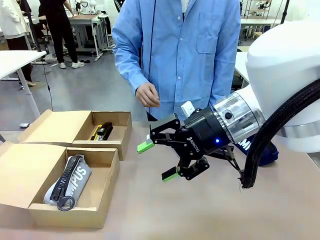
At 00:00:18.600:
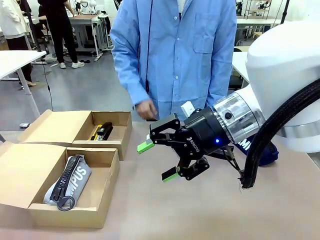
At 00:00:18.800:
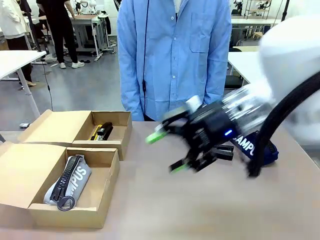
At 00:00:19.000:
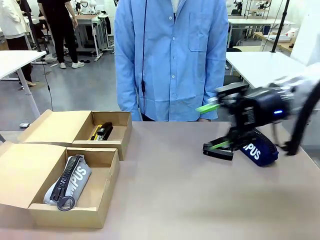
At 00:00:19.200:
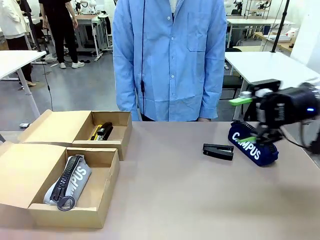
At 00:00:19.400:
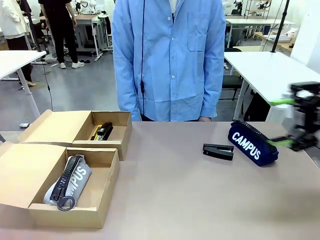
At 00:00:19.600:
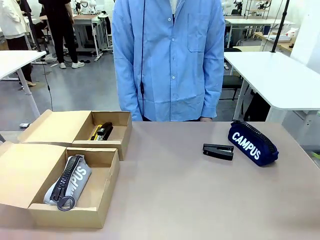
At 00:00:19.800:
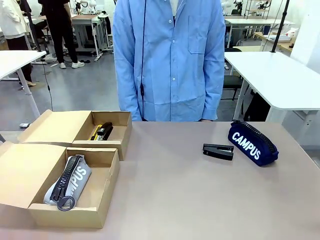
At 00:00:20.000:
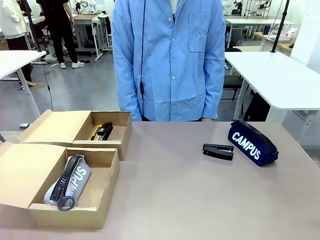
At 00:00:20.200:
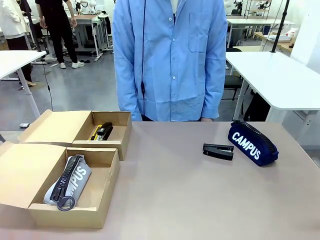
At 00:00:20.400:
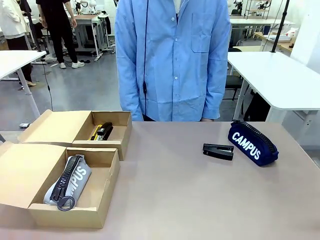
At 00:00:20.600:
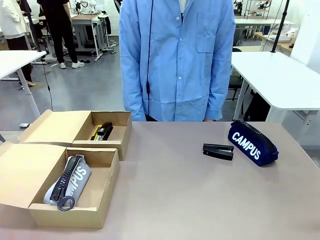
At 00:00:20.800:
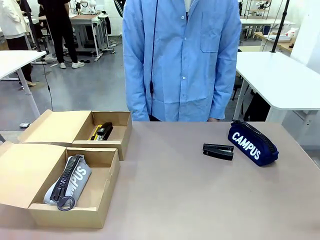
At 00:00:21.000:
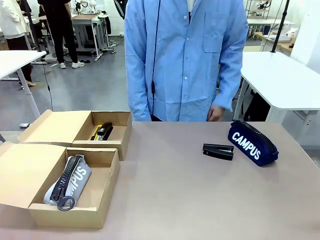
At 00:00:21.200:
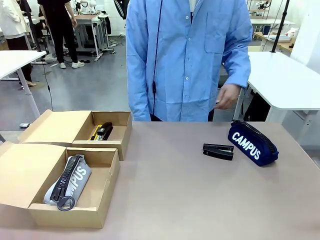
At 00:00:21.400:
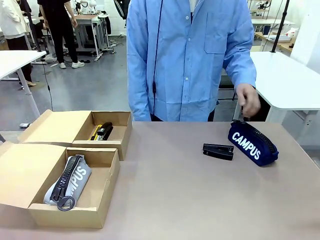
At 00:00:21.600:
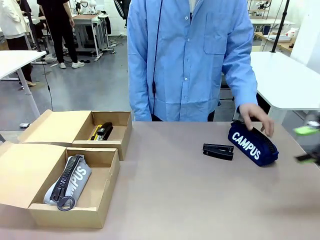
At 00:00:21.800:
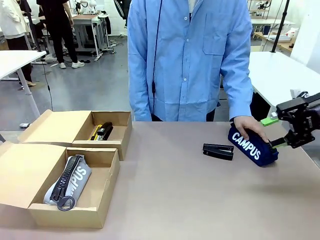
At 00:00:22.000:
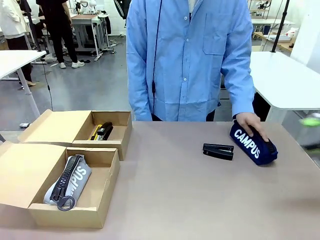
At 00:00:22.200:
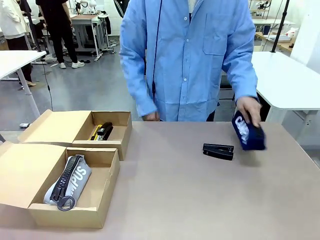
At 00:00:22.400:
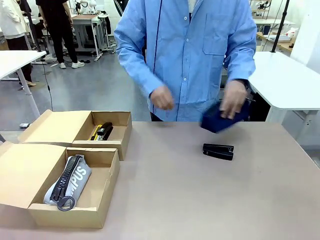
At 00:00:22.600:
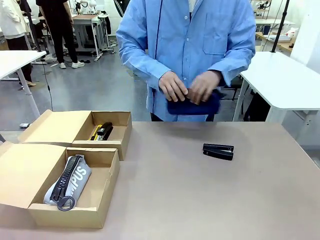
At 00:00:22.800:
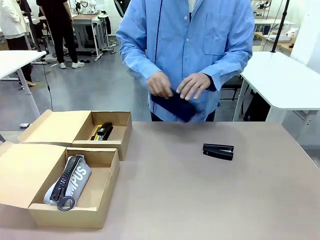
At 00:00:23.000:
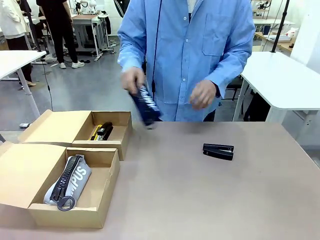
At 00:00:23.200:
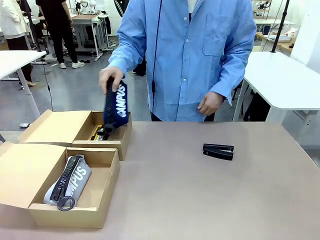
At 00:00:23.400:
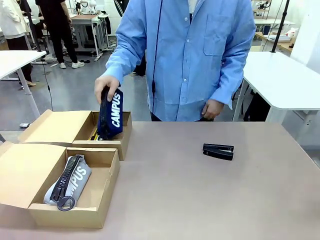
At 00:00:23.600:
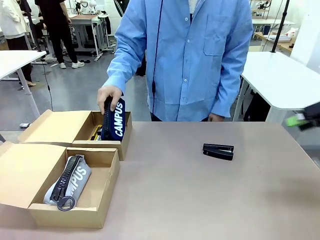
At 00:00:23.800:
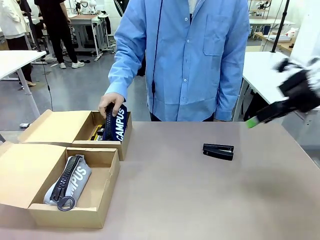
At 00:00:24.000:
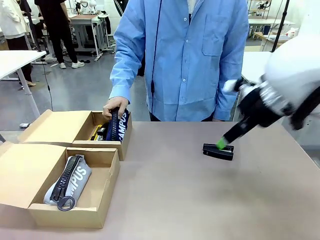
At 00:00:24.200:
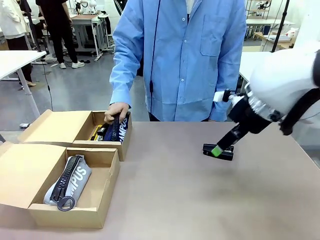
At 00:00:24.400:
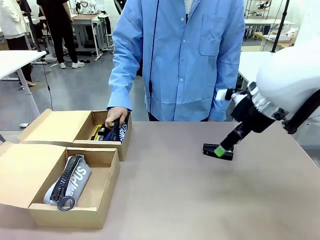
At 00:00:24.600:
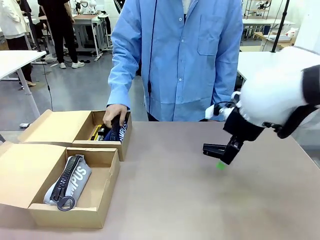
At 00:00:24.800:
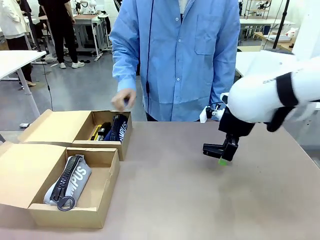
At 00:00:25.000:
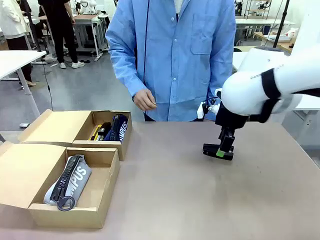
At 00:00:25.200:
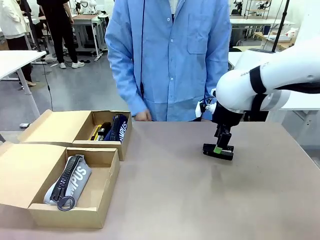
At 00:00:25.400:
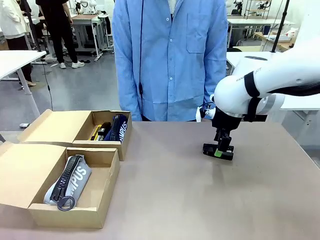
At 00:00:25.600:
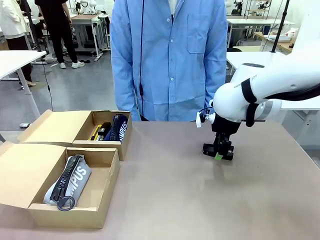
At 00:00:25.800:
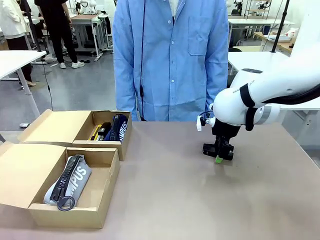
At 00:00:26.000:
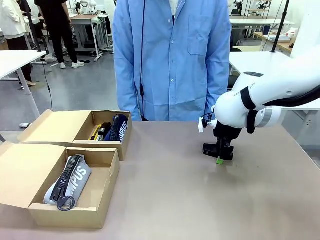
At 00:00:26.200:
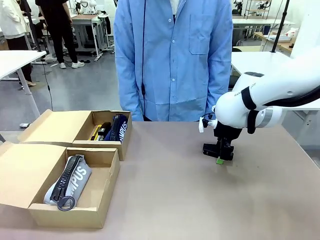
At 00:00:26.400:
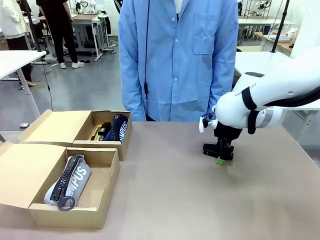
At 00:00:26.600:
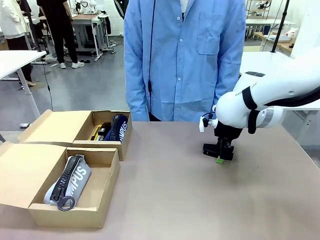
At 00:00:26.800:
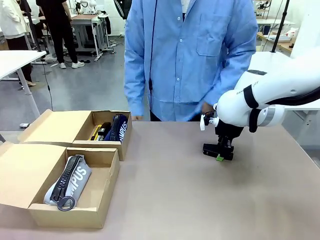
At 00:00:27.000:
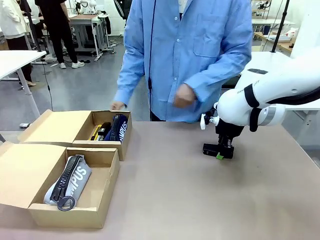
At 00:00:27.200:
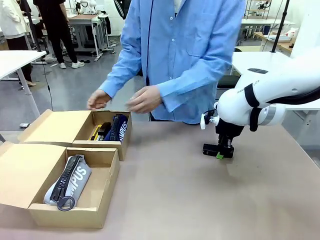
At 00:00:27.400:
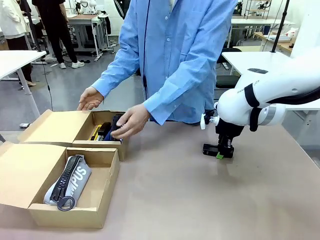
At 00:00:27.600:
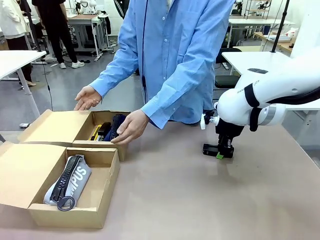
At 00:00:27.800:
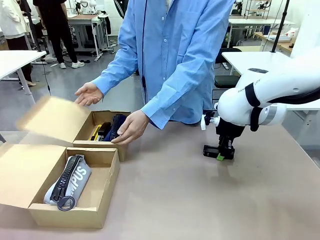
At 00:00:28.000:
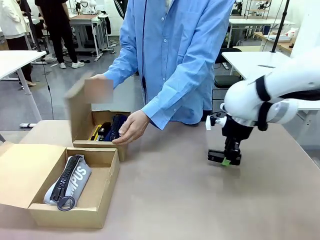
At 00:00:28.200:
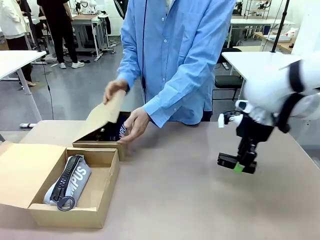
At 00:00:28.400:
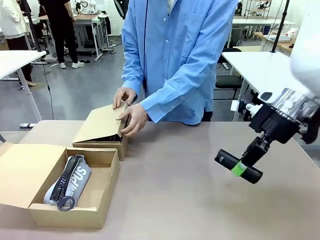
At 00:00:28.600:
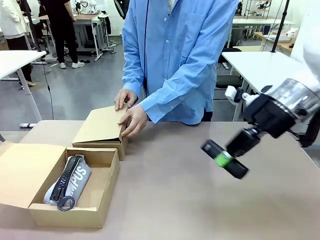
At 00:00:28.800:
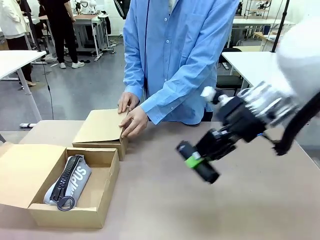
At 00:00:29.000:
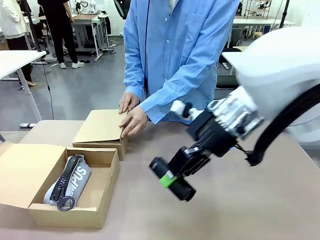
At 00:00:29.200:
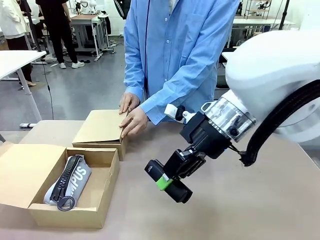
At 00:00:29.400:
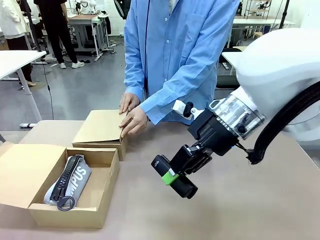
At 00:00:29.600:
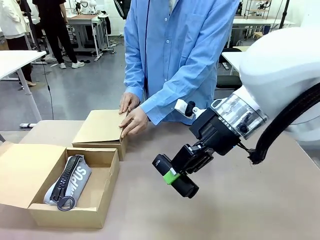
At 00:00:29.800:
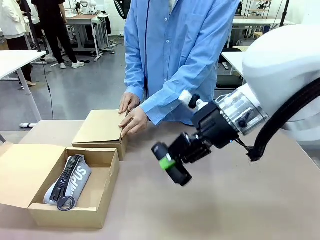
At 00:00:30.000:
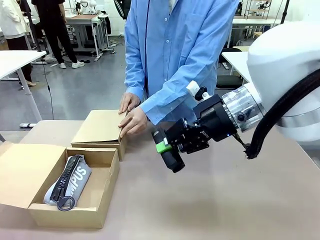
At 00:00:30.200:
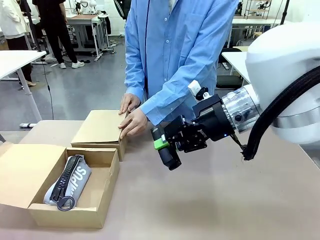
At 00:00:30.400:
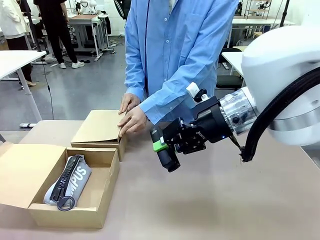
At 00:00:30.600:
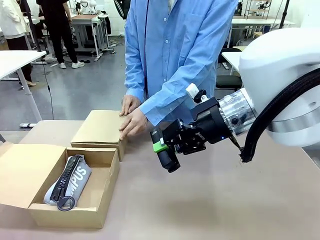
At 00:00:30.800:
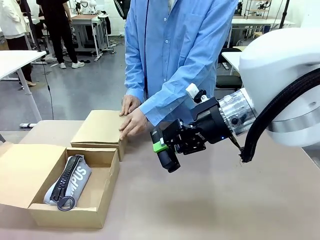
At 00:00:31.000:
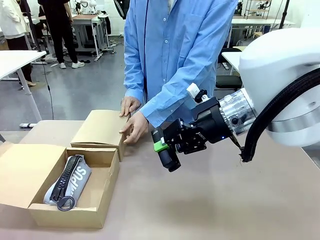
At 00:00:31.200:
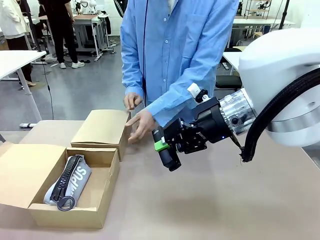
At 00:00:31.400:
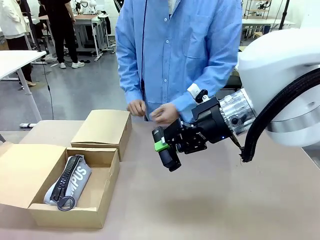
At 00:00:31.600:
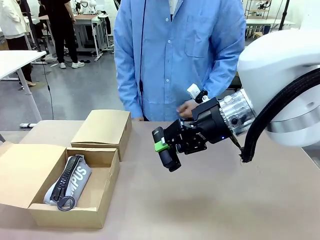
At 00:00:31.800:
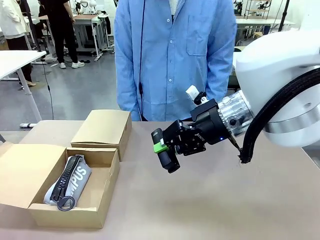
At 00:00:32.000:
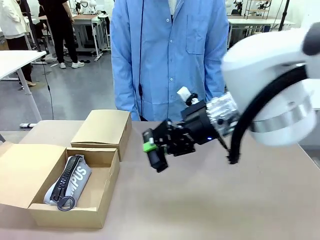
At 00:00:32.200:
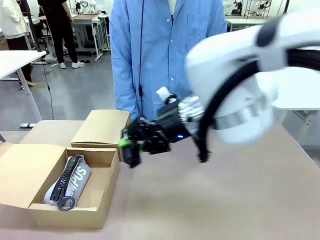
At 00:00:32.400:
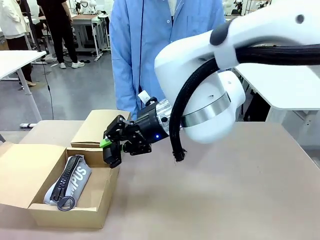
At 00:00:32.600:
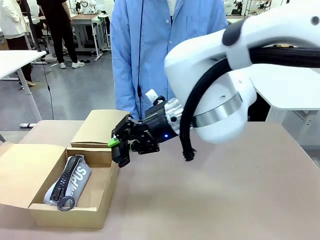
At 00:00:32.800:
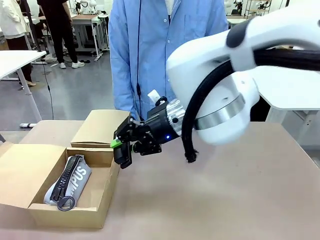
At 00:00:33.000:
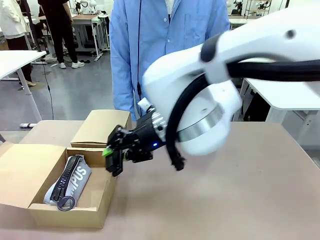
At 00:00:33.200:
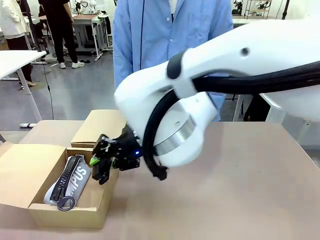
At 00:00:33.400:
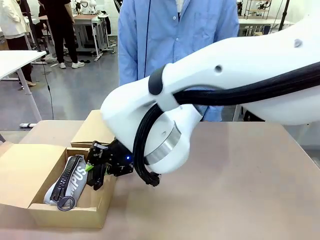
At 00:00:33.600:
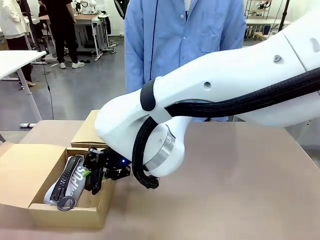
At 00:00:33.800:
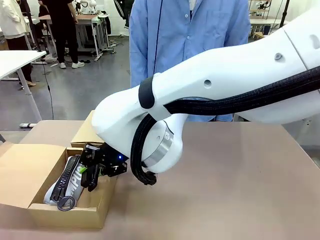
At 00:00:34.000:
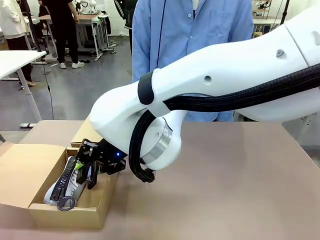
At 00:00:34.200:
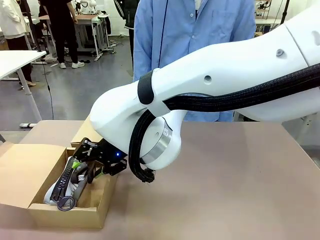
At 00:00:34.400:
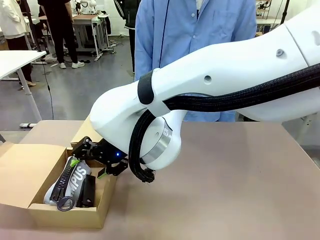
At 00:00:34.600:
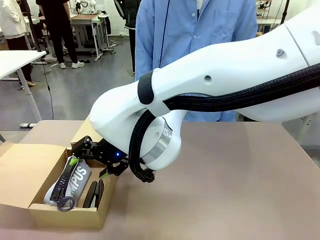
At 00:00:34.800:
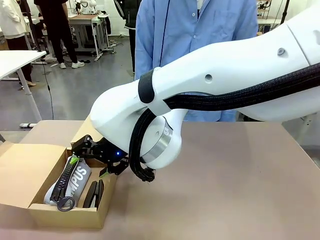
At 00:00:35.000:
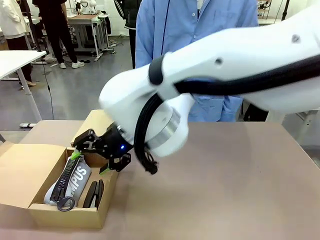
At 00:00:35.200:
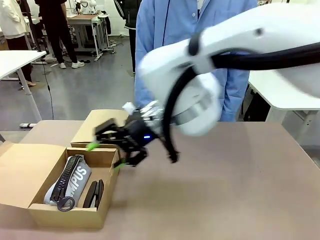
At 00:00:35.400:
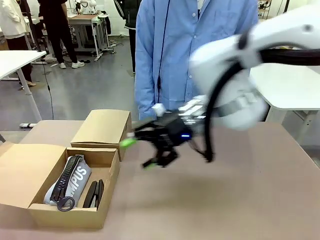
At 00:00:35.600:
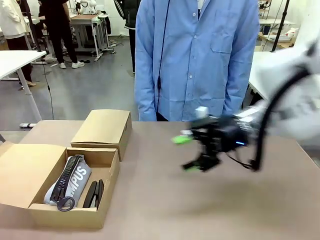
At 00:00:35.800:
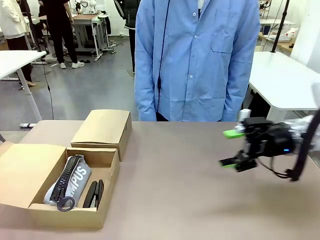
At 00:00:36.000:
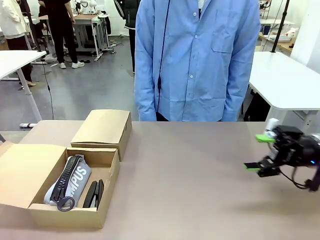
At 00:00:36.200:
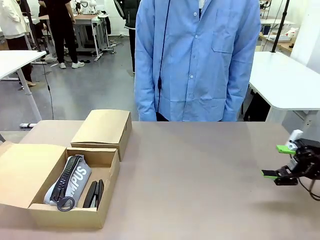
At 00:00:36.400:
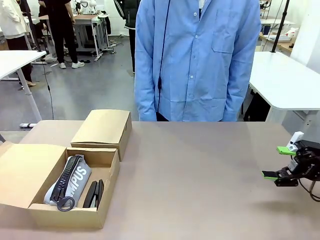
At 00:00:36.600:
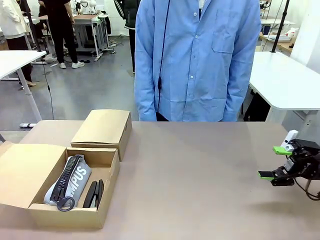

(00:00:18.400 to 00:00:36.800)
Task: Place items inside the box.
Robot: Pick up a Pencil pouch or Stapler and place it inside the Mailer Box closest to the robot.
Person: Close the lid of the box facing the person.
